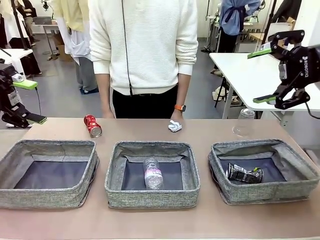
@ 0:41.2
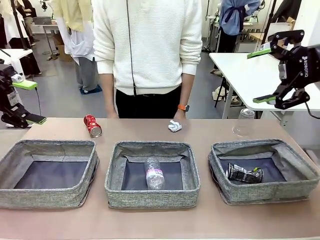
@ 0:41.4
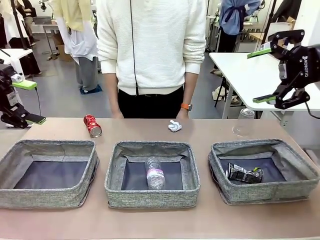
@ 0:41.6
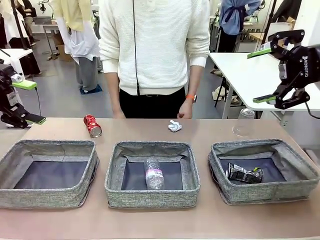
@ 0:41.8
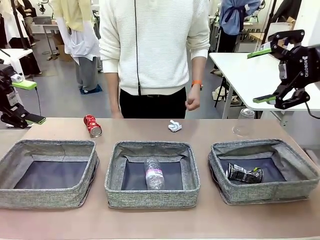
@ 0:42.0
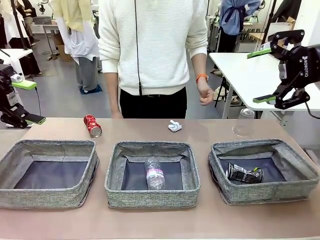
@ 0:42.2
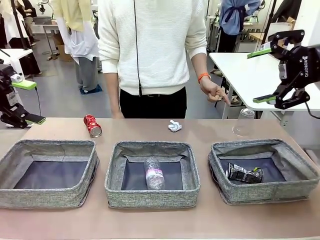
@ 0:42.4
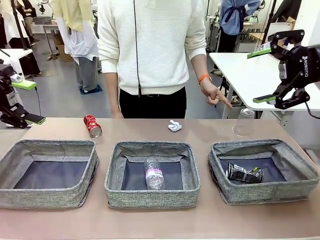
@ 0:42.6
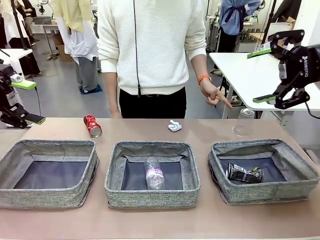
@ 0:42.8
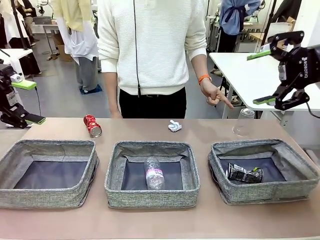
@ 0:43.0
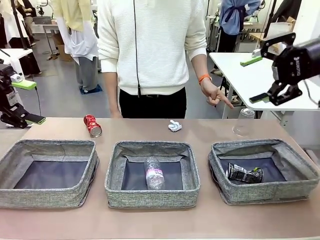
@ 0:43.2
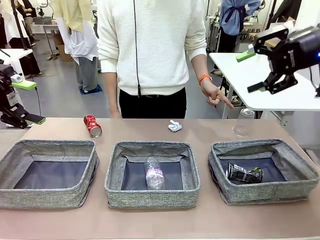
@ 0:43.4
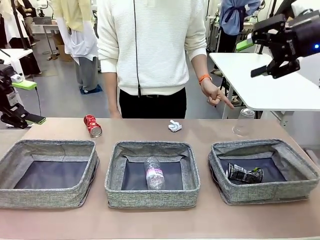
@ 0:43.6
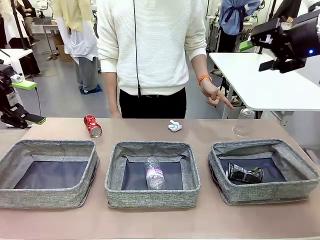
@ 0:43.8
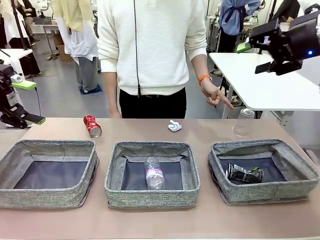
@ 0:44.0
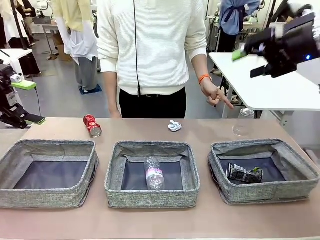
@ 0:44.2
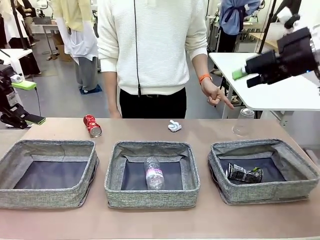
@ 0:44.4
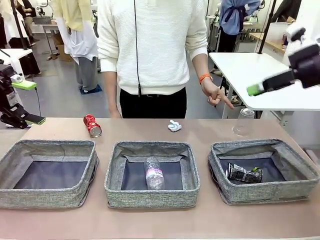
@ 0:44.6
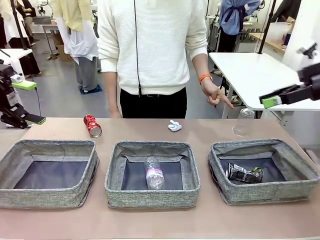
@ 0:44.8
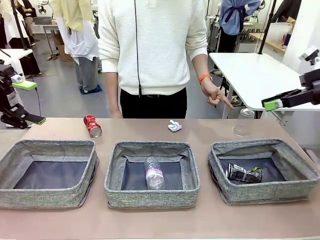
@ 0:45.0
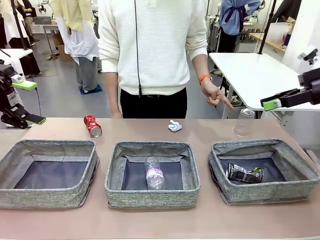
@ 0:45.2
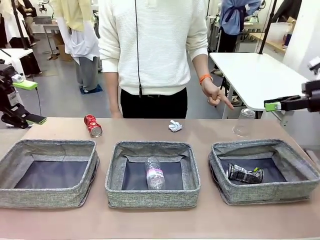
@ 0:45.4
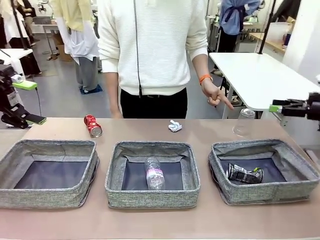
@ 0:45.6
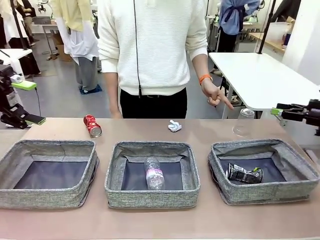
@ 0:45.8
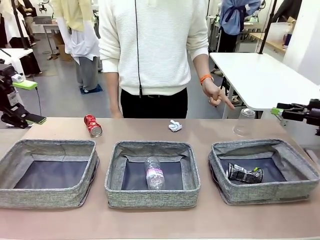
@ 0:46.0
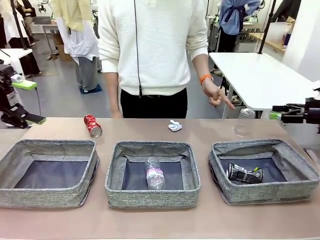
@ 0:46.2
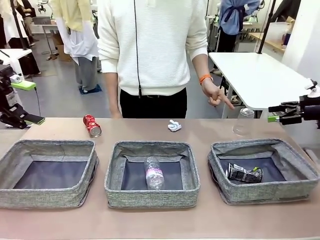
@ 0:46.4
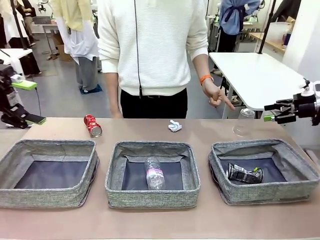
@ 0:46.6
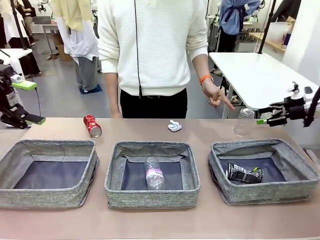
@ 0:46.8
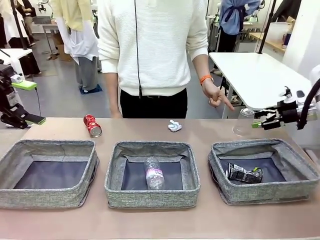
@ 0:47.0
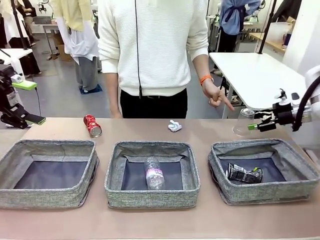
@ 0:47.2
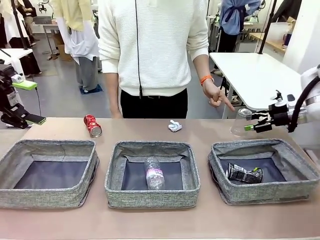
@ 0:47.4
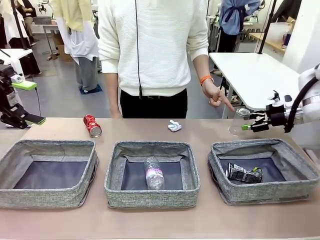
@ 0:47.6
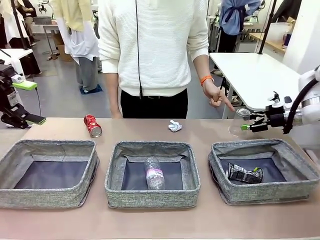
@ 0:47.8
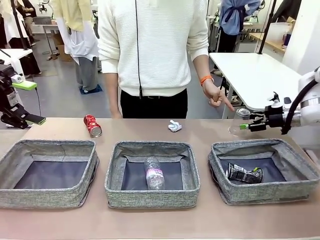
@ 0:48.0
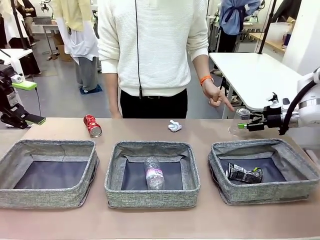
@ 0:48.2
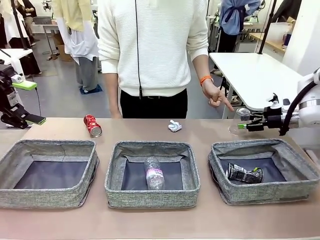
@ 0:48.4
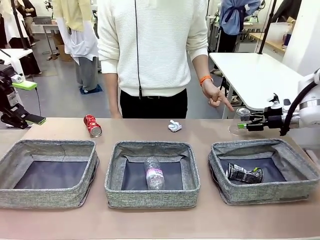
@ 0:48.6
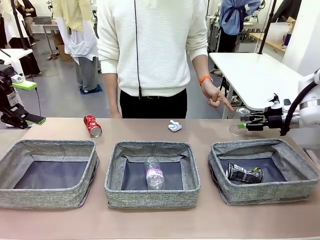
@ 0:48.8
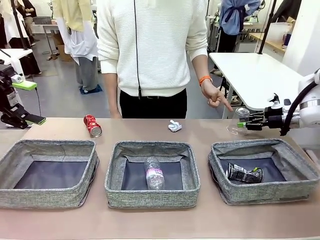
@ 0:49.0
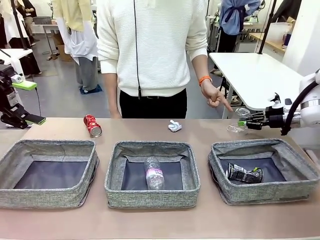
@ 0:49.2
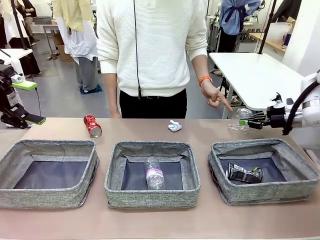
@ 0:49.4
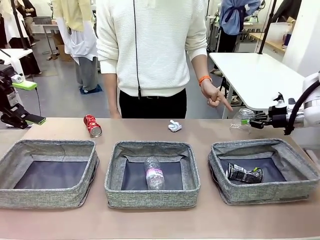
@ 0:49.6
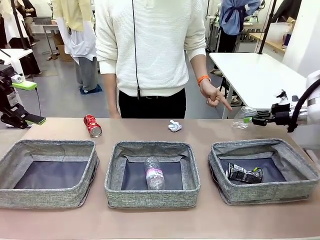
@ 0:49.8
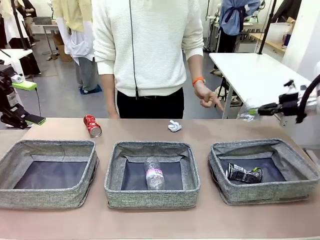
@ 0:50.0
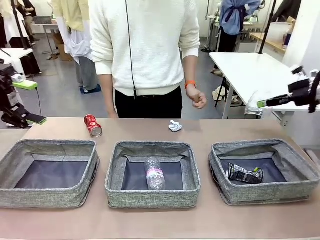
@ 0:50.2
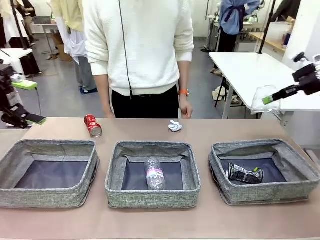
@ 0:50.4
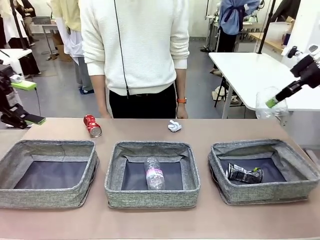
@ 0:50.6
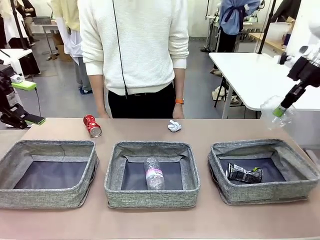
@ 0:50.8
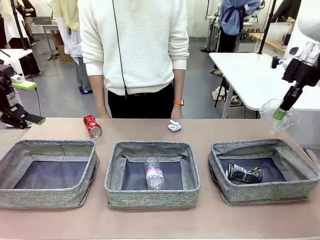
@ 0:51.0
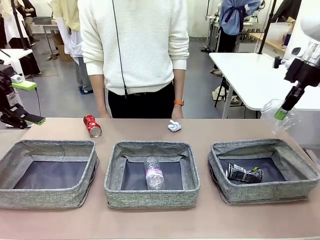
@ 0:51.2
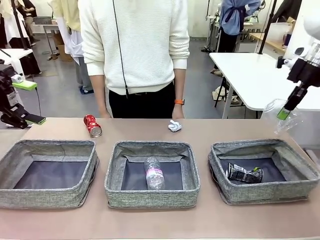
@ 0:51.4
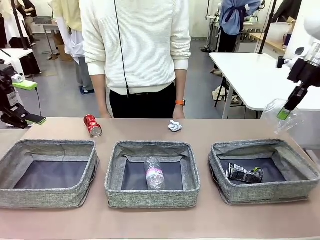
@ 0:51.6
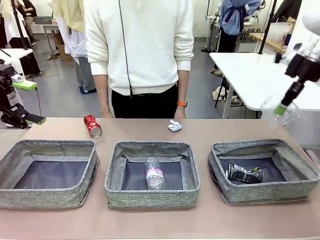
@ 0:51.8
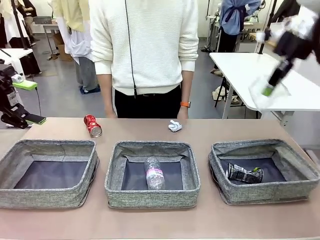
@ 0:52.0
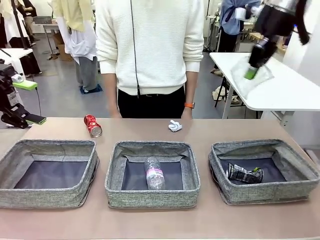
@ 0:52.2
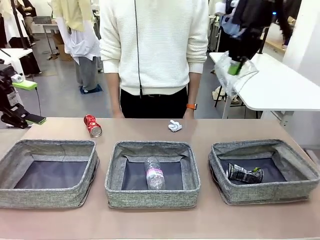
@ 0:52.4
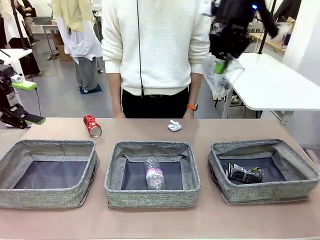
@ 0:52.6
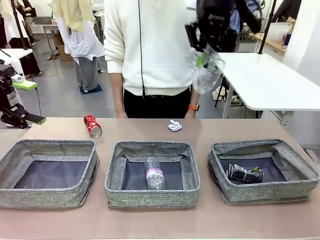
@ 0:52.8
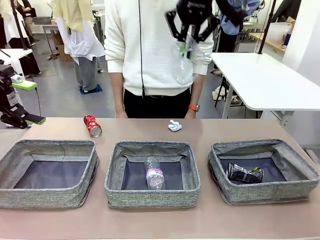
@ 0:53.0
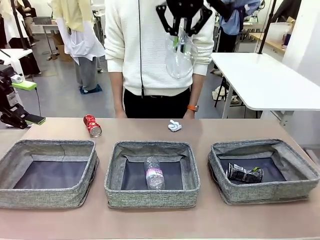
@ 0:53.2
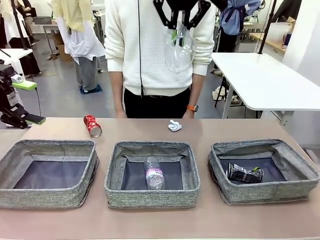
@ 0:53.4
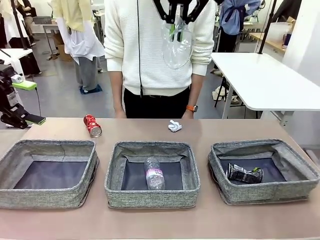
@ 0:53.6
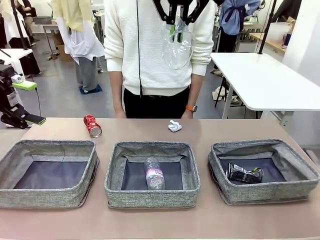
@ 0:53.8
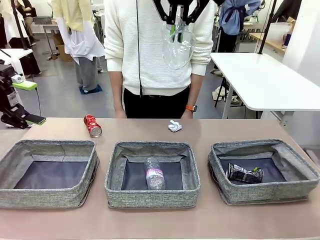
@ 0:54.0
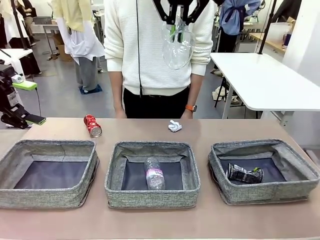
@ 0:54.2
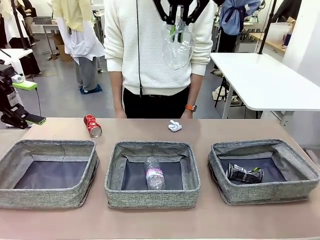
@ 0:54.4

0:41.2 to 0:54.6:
Task: Sort the waste into the appropriate baskets.
Robot: Pick up the waste item pointed out by the person.
Person: Points to one piece of trash on the table.

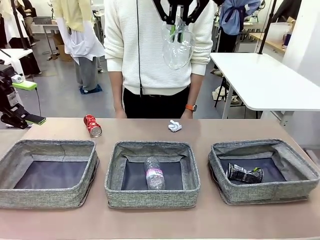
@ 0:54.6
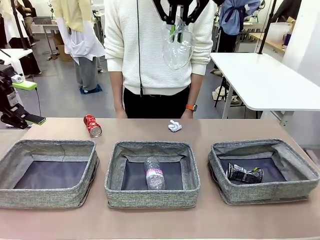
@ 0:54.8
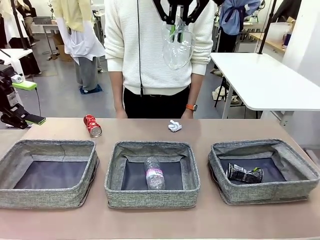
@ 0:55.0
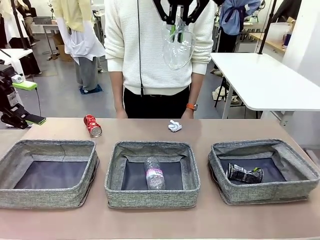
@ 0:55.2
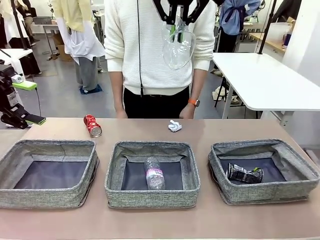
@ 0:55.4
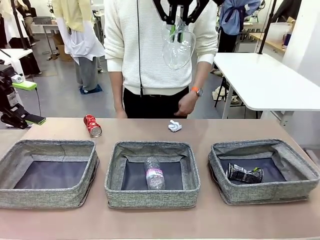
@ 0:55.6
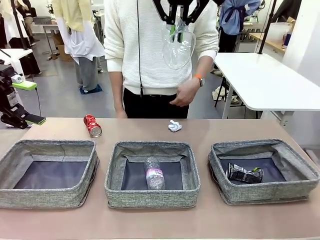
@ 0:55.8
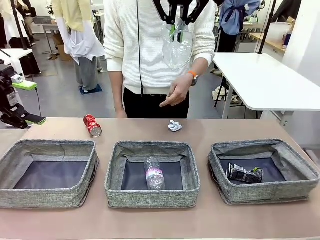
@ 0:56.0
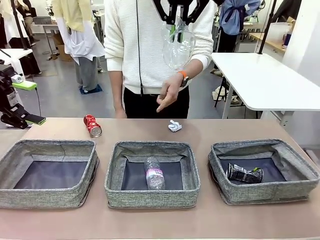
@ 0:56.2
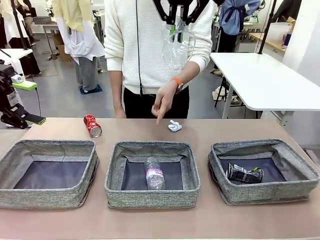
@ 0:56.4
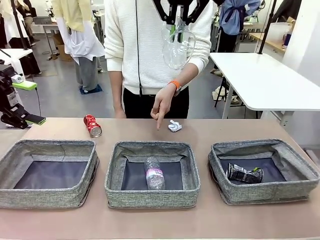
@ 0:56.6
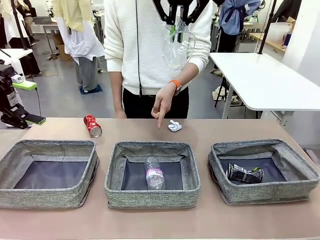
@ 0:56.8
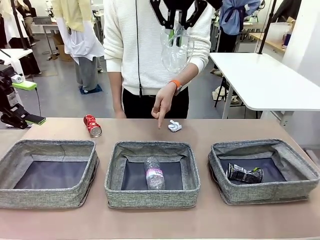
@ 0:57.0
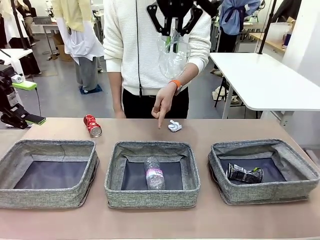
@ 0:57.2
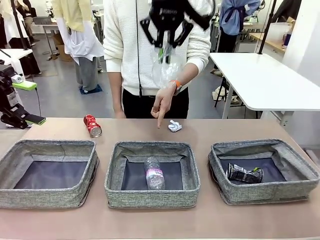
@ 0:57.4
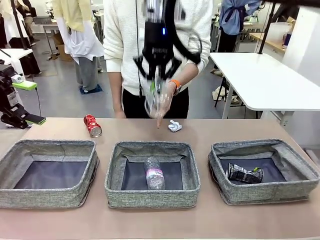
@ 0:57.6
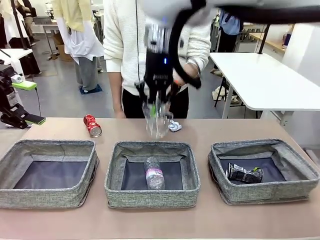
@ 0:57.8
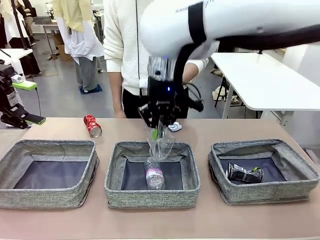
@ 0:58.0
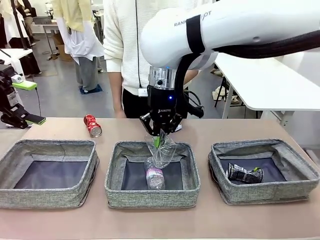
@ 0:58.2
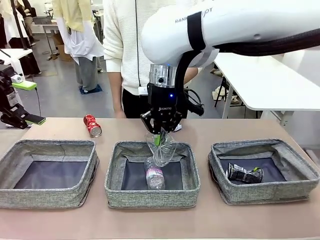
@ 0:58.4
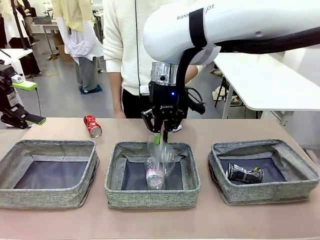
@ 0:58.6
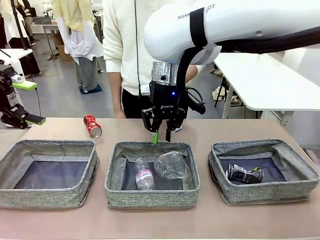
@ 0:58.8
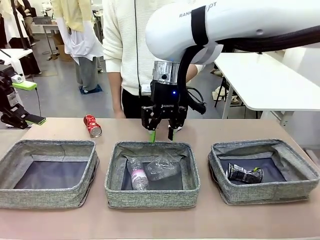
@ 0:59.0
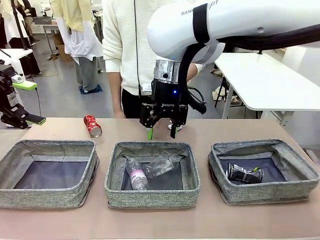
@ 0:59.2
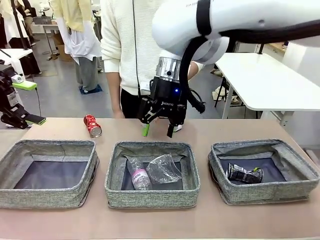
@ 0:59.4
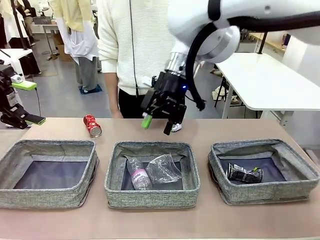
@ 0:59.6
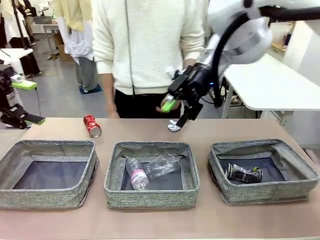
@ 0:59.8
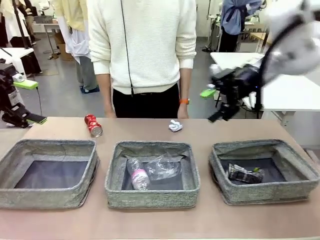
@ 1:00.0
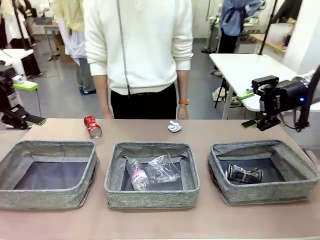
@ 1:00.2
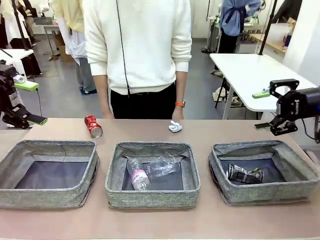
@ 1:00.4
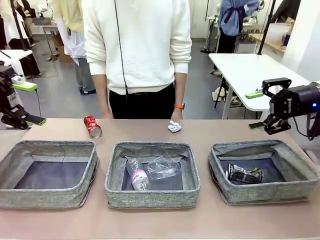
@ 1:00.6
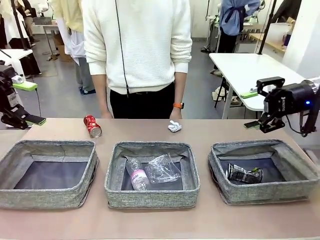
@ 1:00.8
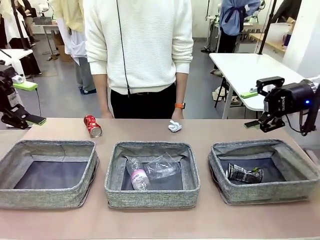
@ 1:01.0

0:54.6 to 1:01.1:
Robot: Place the picked waste into the Fabric basket indicated by the person.
Person: Instructs the robot to place the picked-up trash into the appropriate organizing basket.
